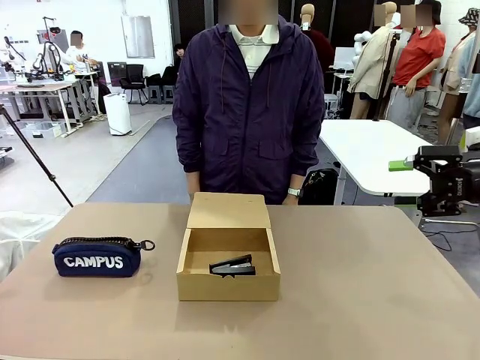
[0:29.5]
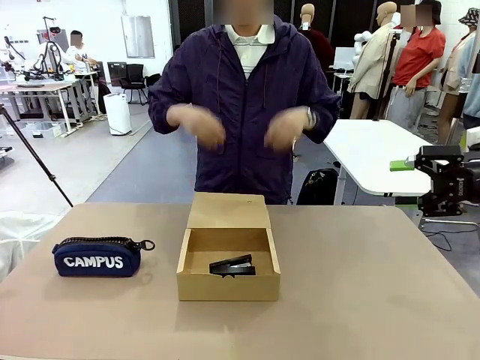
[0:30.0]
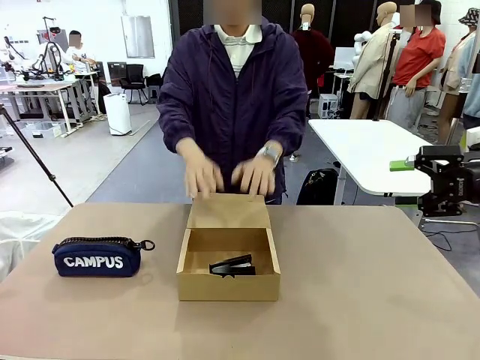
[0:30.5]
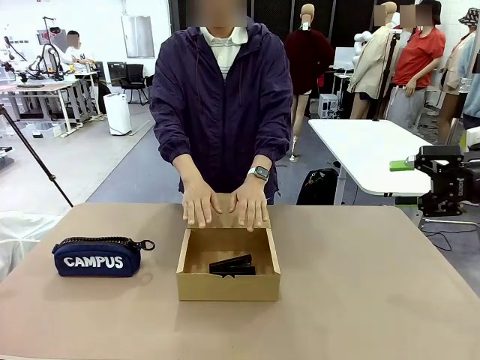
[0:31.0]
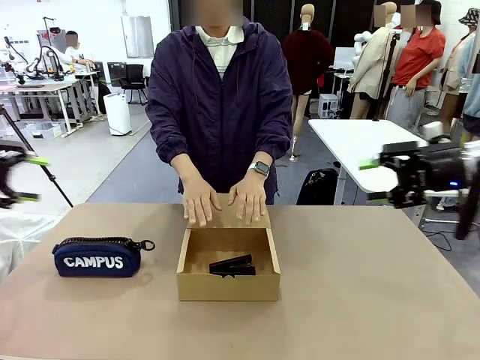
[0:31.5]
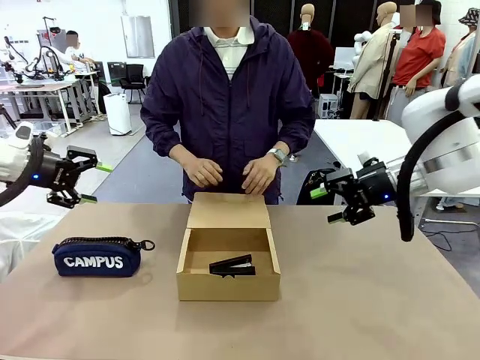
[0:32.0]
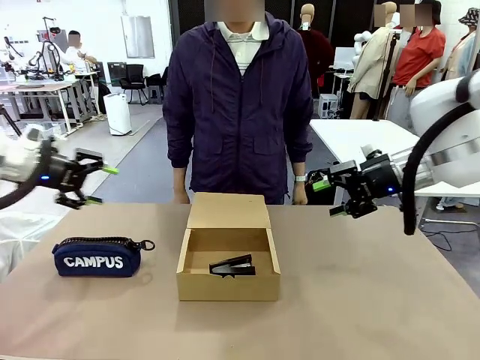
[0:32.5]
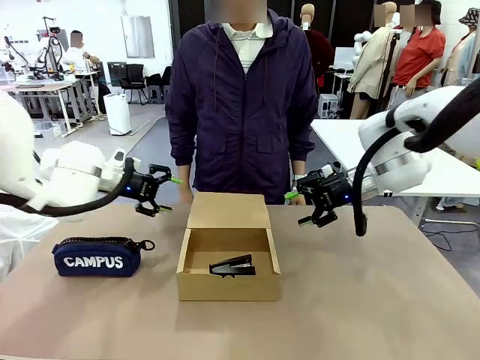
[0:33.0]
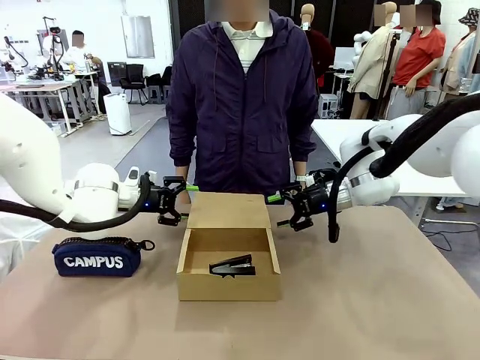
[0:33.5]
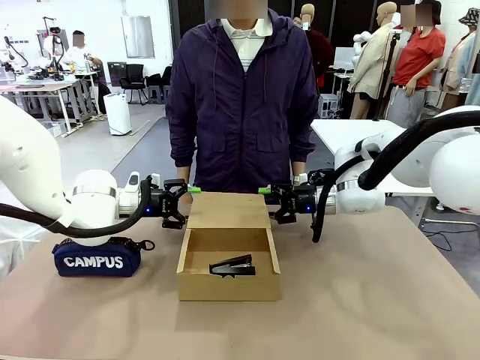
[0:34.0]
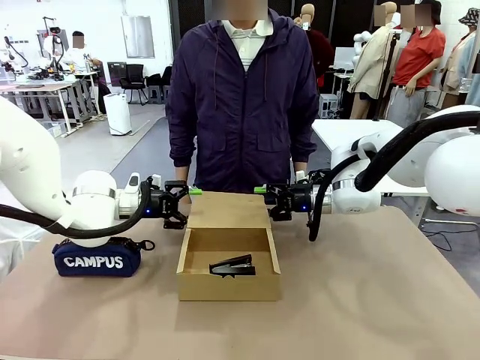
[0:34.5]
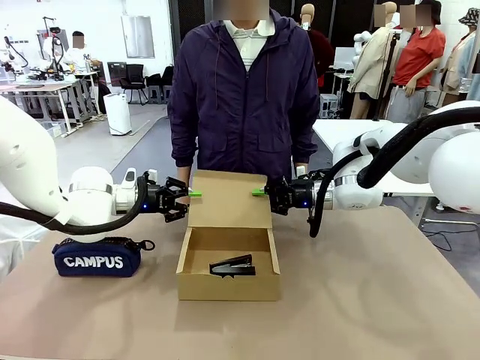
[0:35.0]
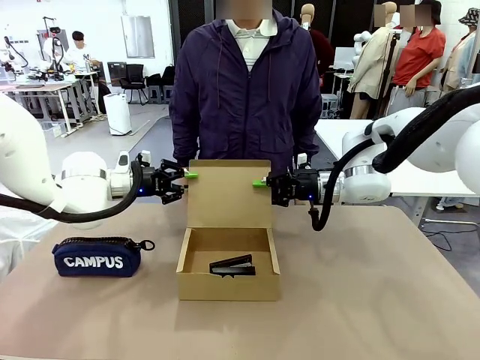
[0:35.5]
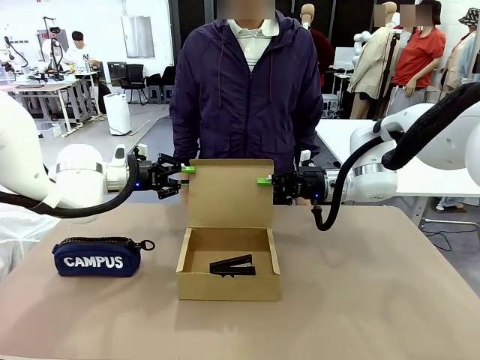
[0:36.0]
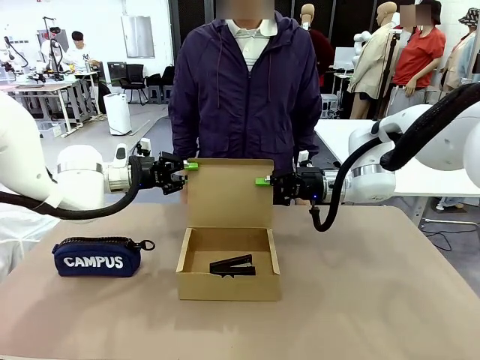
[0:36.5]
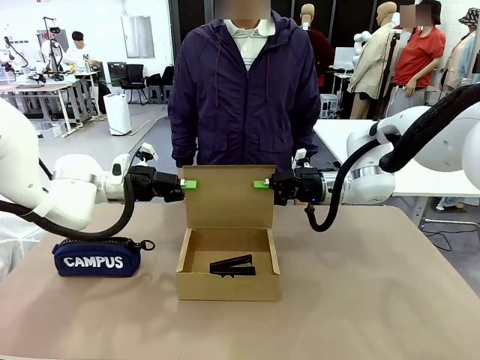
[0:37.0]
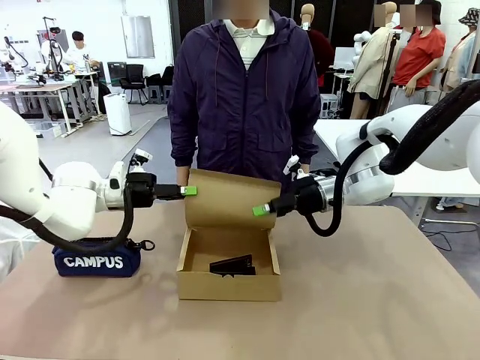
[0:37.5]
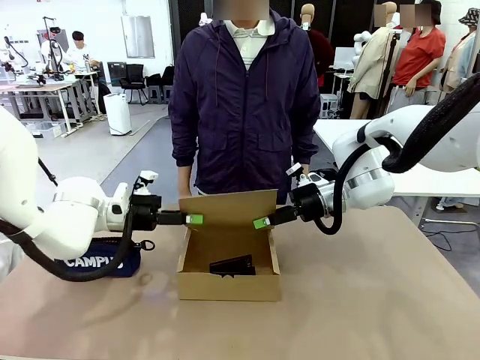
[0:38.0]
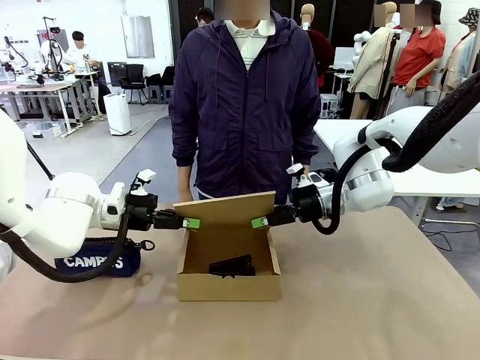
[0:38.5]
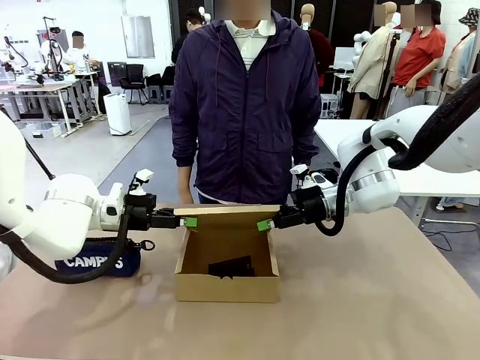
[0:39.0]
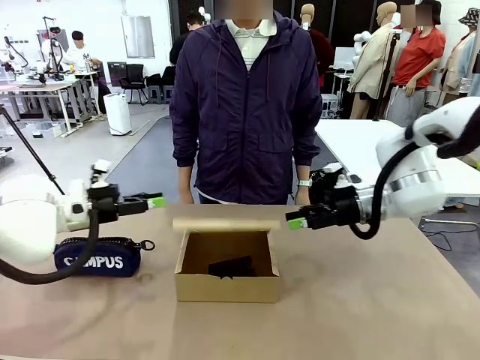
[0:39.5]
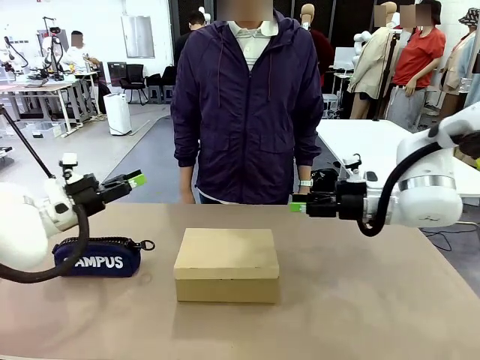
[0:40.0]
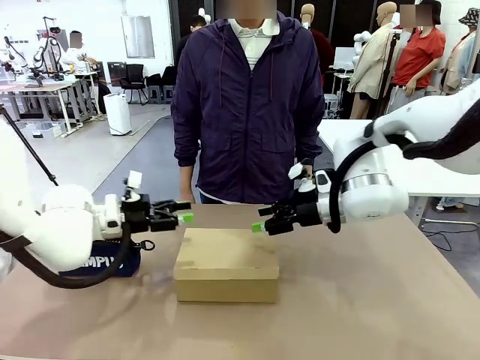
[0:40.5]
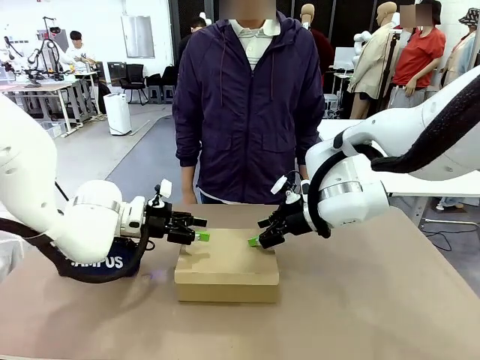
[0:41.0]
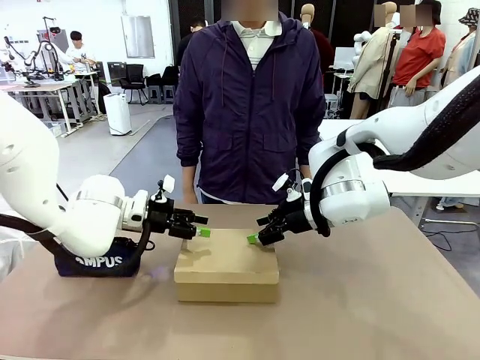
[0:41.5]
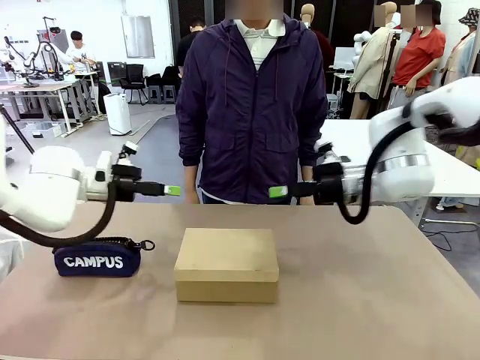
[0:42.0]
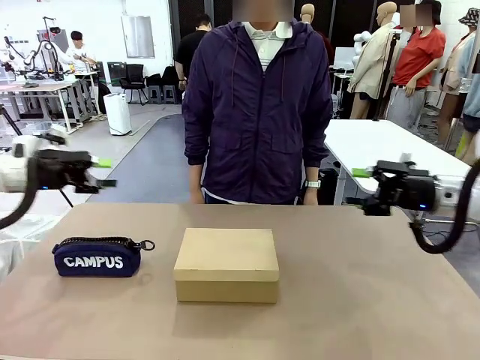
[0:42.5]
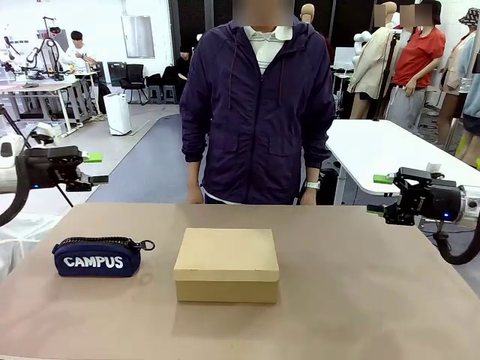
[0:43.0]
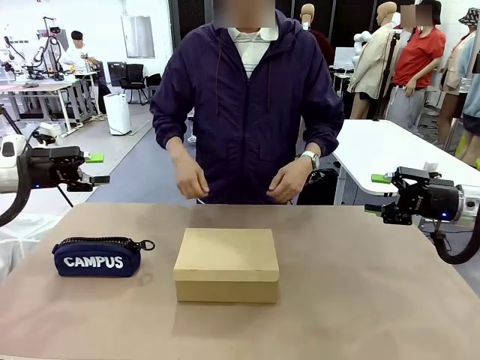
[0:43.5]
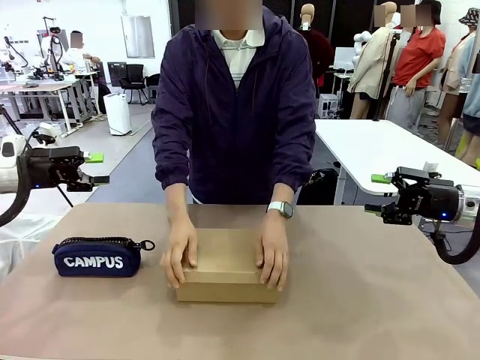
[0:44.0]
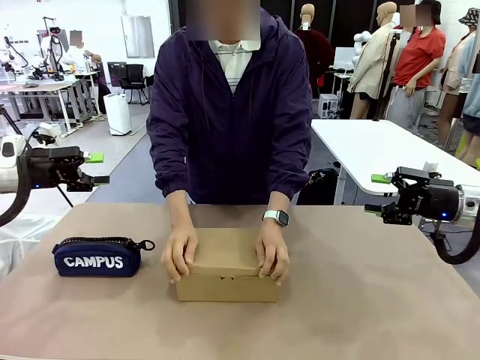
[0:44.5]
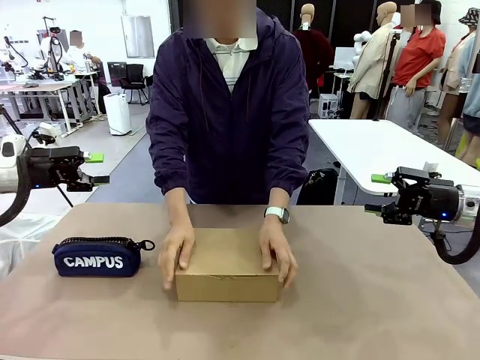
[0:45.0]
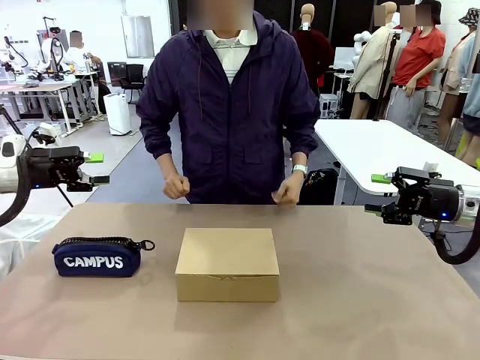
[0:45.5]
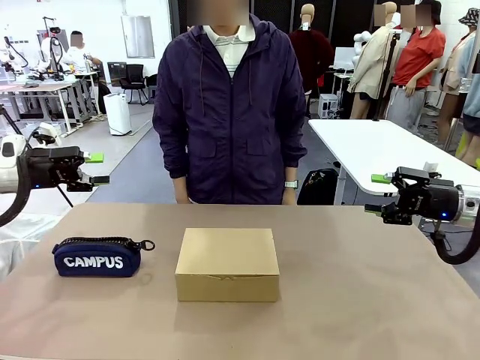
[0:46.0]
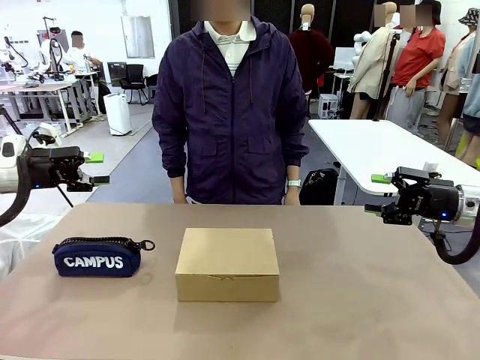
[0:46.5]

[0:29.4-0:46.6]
Task: Pack the items into the box.
Robot: Close the Mailer Box.
Person: Turn the box and lock it.

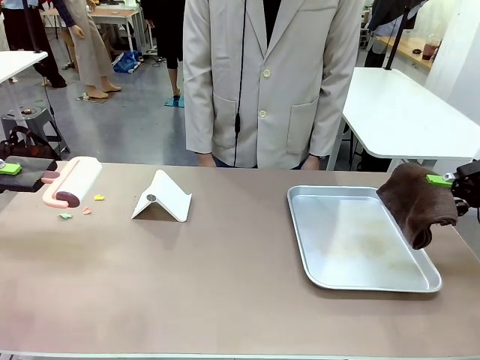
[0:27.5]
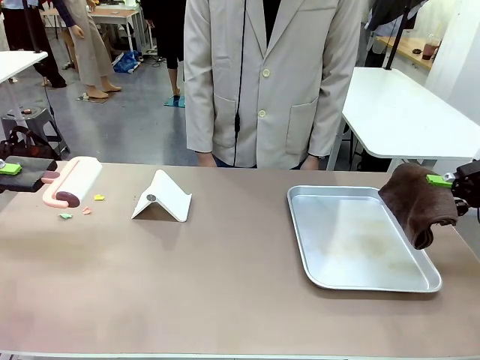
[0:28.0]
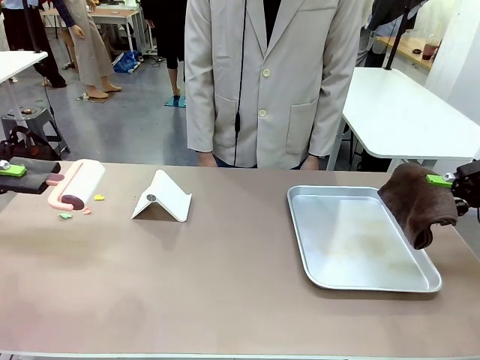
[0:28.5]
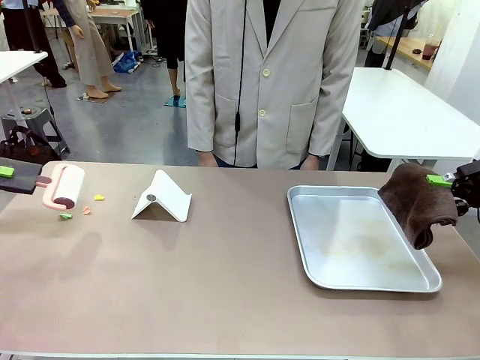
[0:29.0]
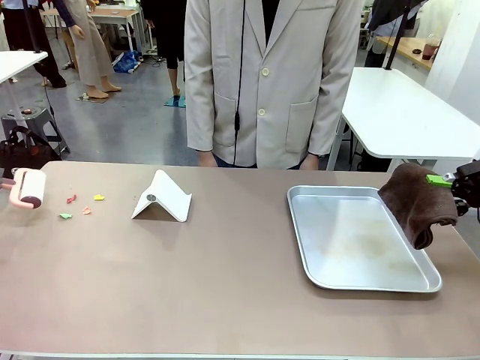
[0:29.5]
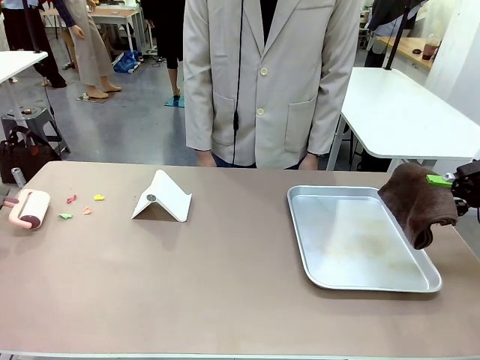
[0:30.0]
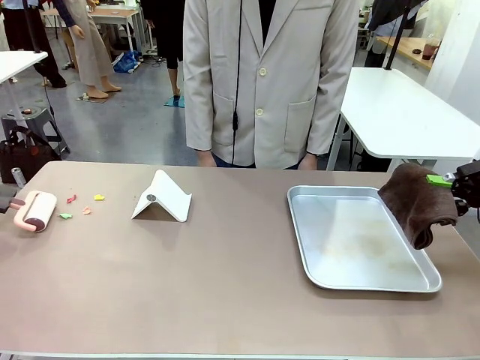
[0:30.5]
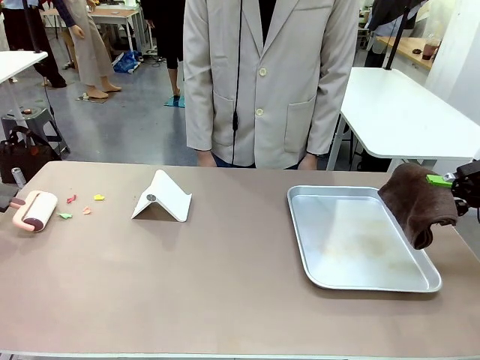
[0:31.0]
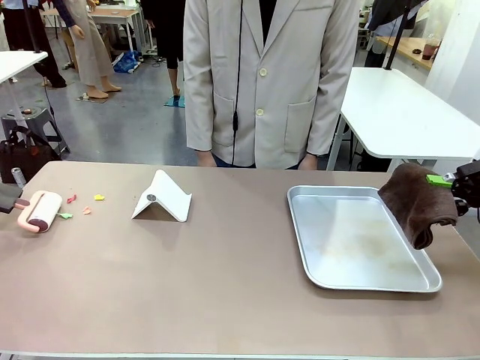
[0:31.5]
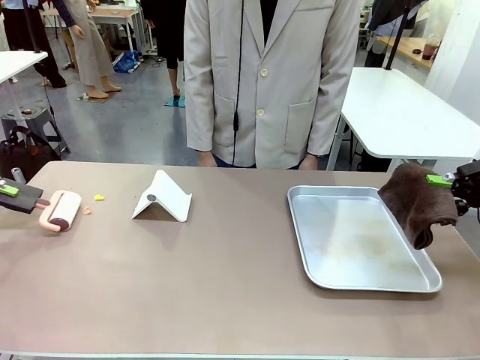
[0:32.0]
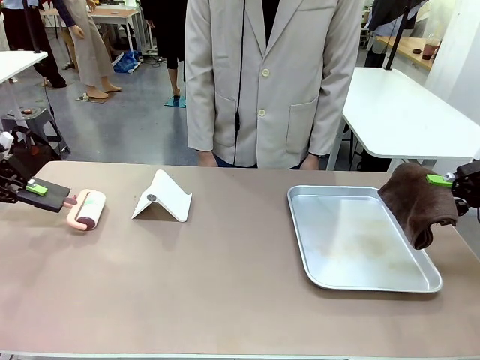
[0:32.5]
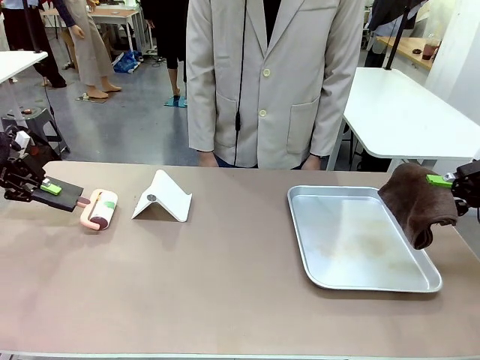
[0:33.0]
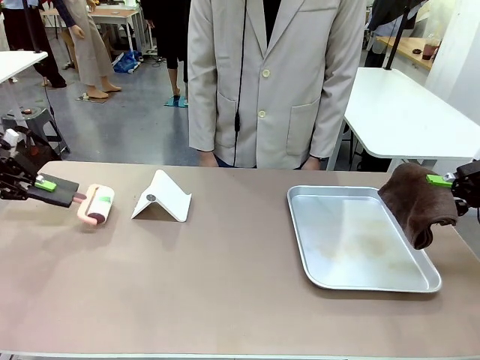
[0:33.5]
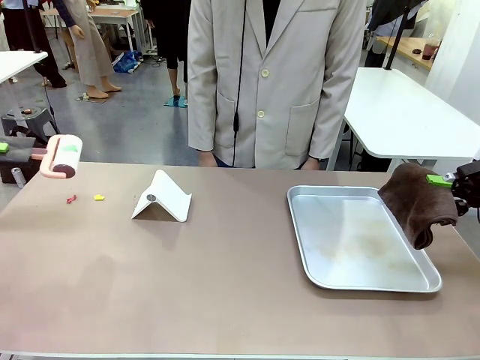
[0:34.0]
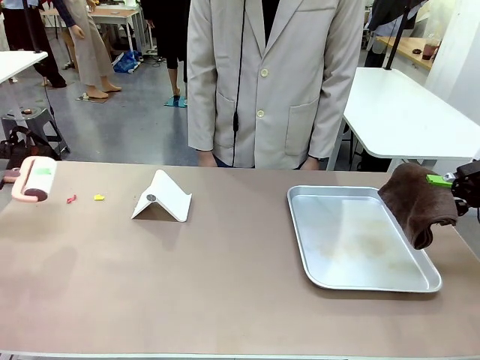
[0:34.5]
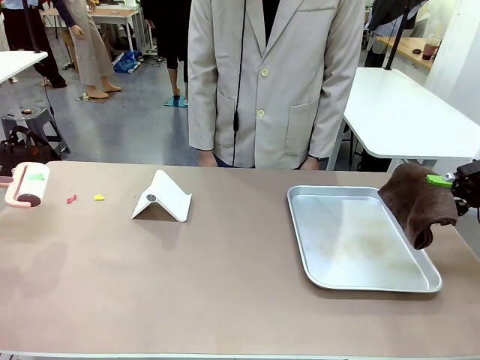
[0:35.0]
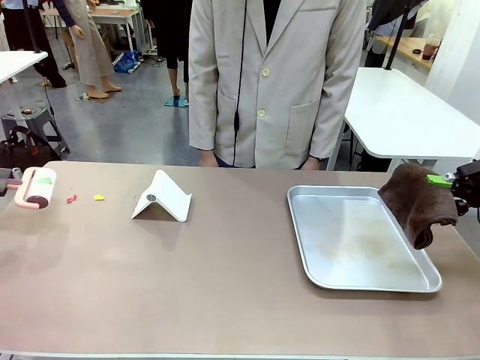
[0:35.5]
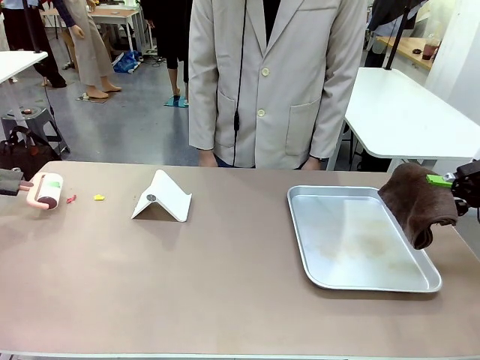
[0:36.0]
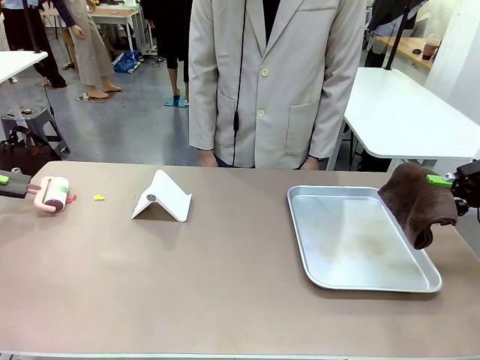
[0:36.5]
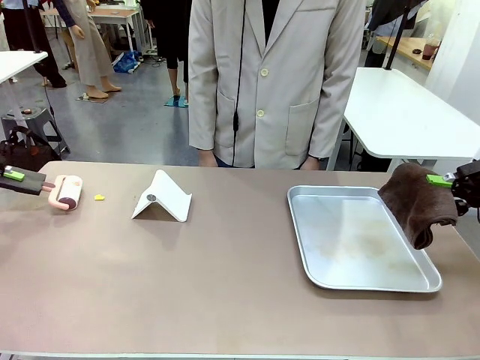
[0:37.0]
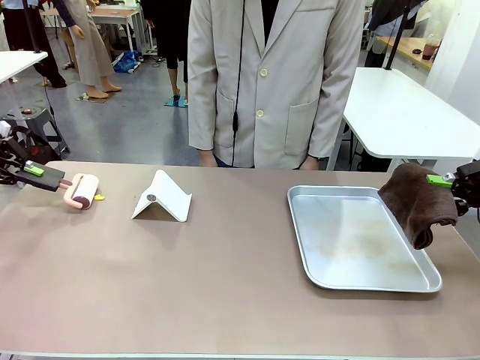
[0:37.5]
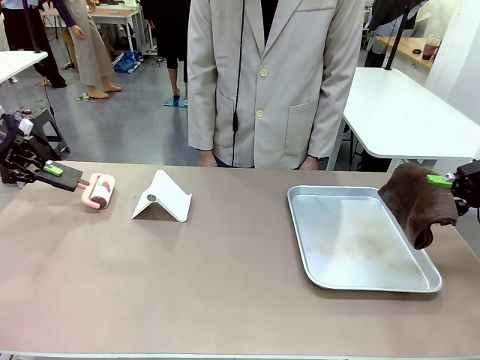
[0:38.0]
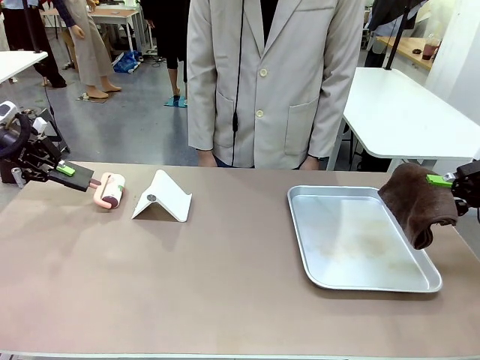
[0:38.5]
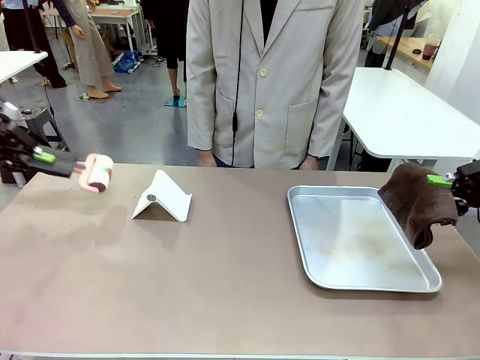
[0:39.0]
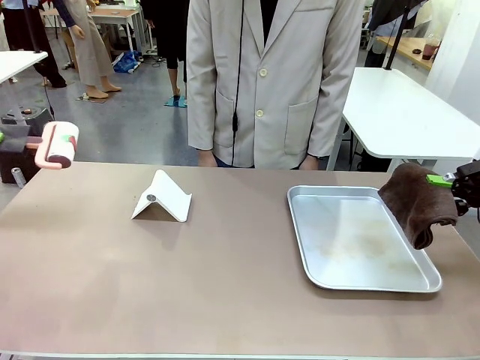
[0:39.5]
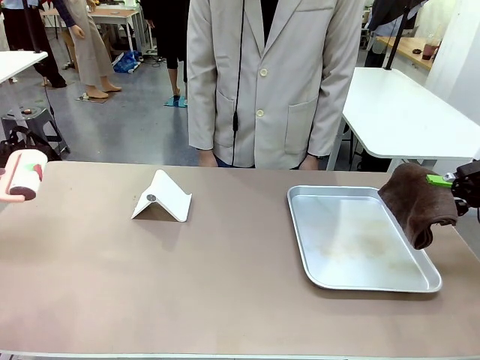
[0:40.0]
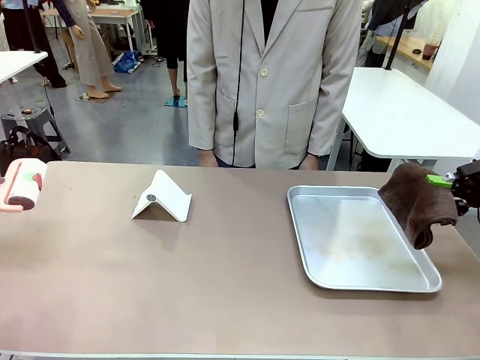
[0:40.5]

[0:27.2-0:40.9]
Task: Clean the surface of the table.
Robot: Clean the area not pointed to by the person.
